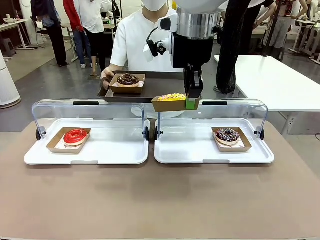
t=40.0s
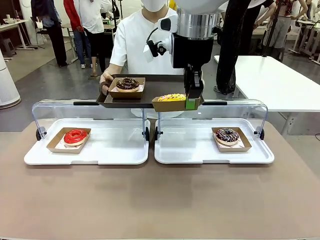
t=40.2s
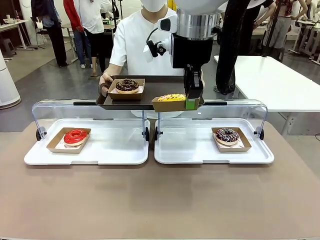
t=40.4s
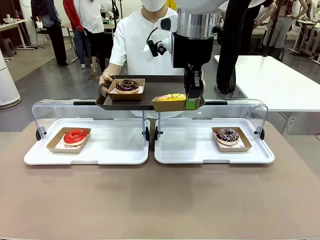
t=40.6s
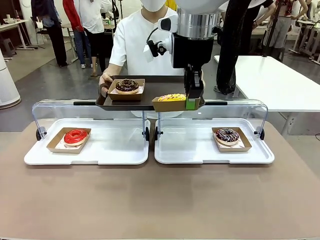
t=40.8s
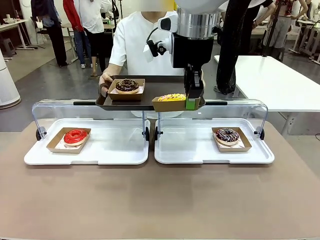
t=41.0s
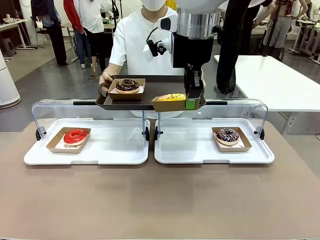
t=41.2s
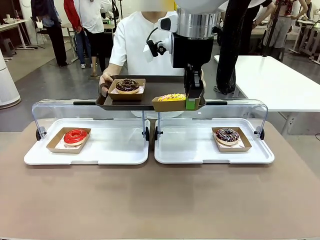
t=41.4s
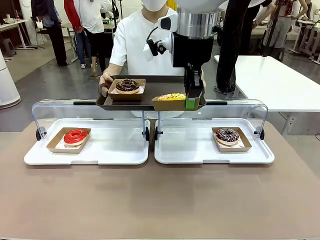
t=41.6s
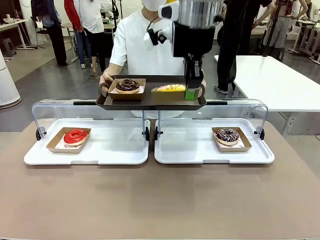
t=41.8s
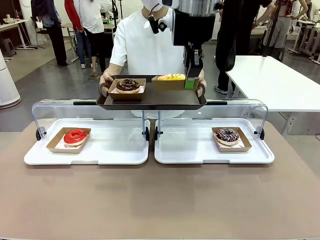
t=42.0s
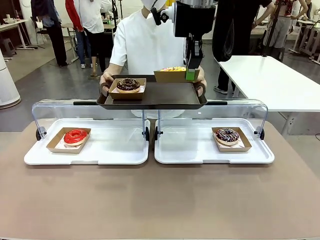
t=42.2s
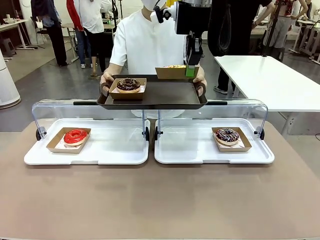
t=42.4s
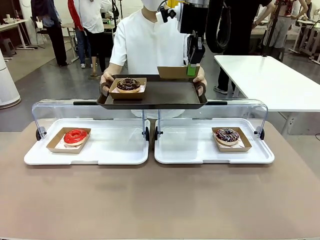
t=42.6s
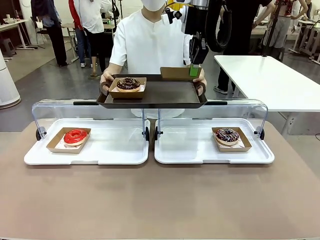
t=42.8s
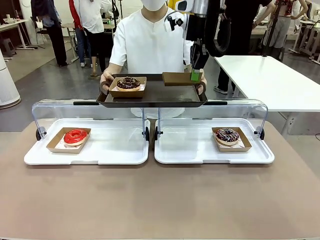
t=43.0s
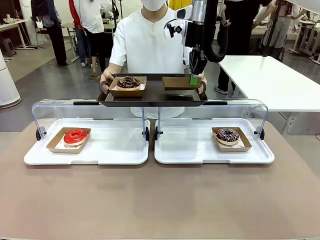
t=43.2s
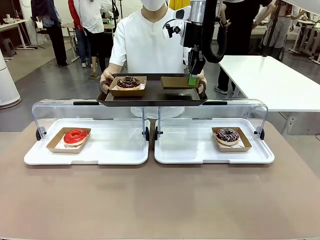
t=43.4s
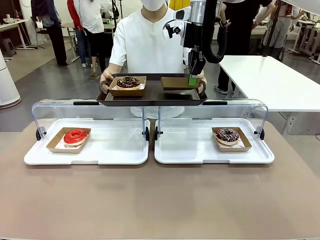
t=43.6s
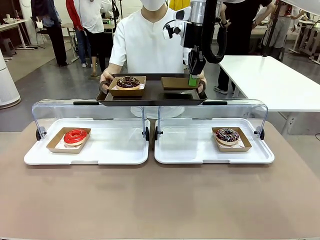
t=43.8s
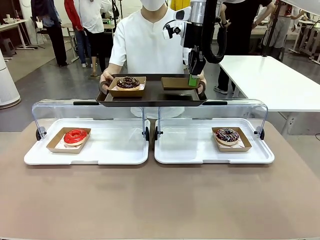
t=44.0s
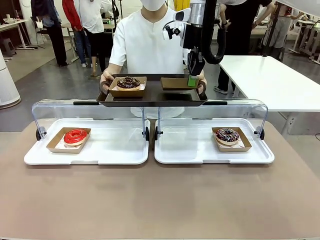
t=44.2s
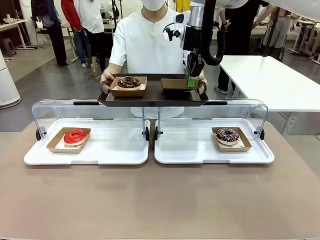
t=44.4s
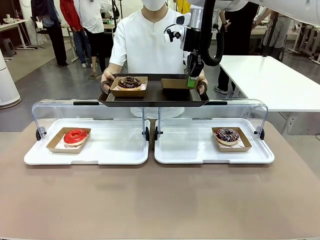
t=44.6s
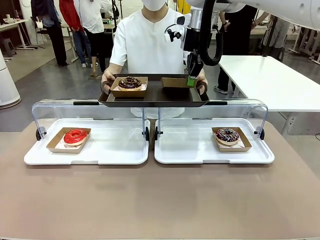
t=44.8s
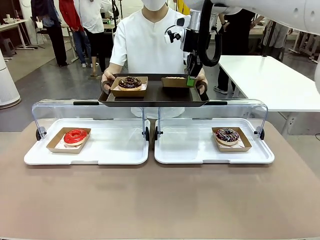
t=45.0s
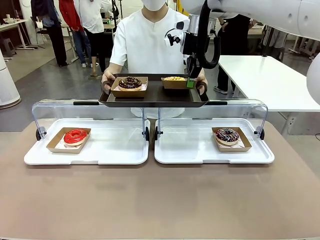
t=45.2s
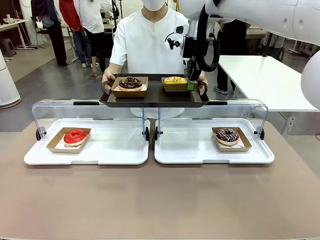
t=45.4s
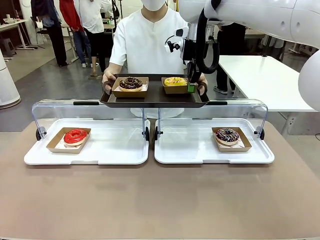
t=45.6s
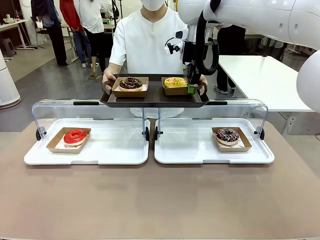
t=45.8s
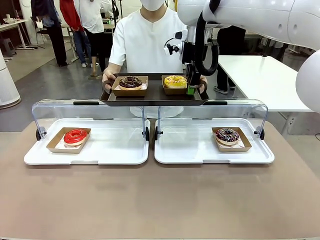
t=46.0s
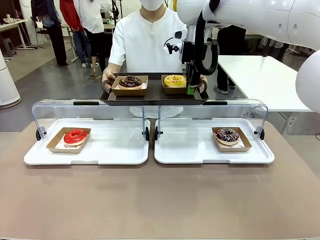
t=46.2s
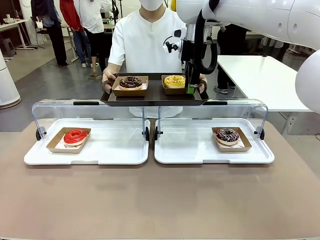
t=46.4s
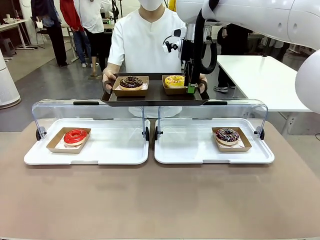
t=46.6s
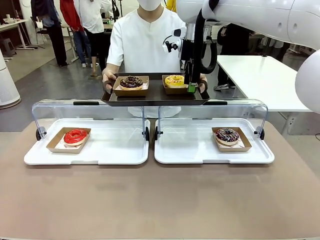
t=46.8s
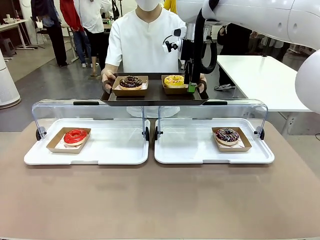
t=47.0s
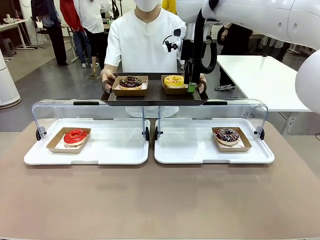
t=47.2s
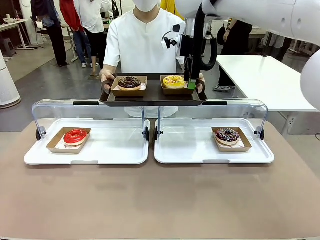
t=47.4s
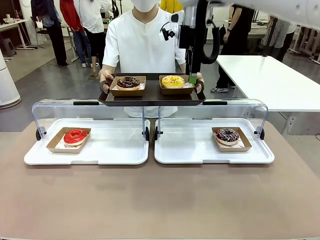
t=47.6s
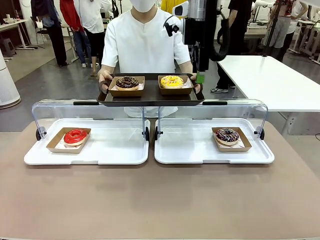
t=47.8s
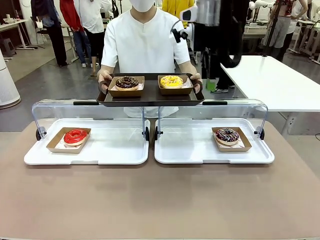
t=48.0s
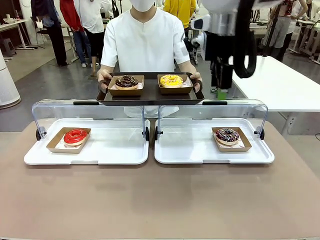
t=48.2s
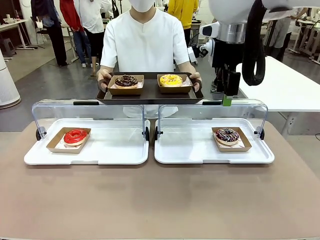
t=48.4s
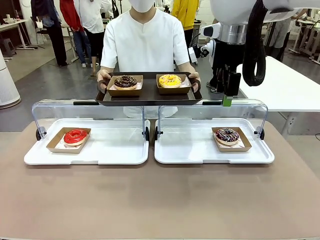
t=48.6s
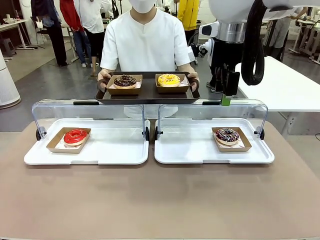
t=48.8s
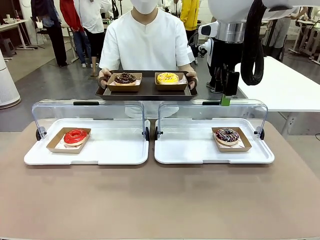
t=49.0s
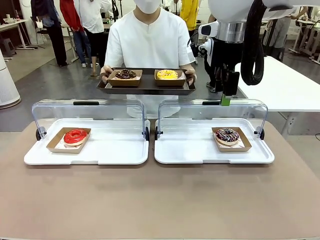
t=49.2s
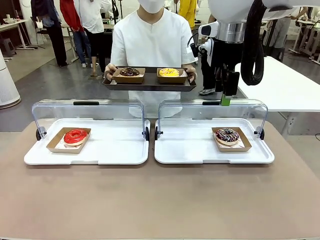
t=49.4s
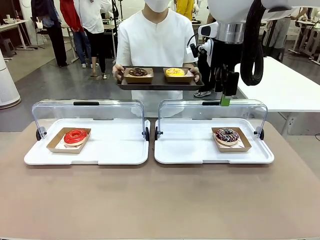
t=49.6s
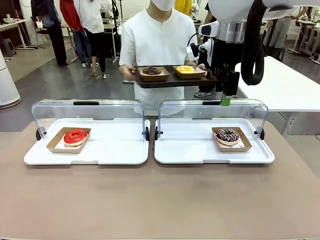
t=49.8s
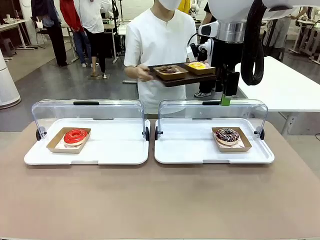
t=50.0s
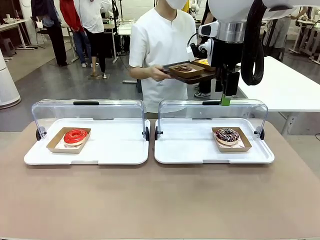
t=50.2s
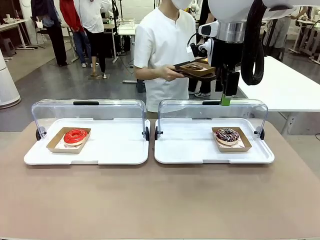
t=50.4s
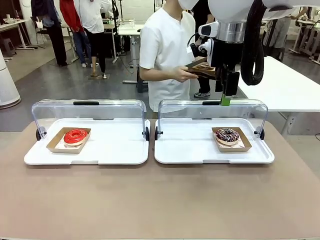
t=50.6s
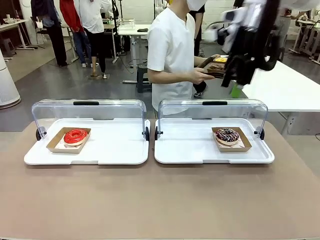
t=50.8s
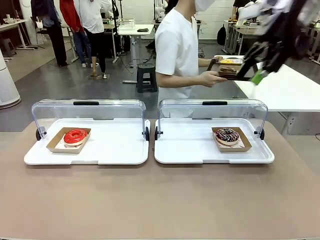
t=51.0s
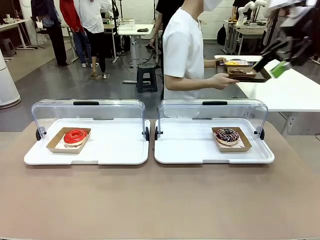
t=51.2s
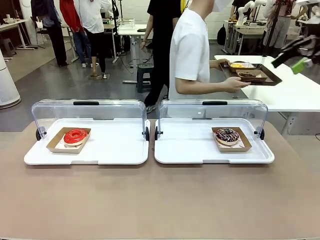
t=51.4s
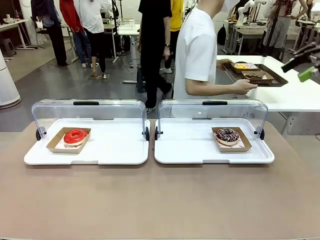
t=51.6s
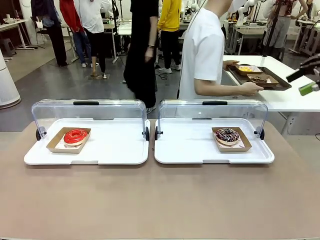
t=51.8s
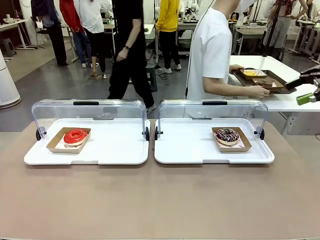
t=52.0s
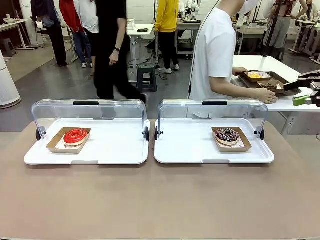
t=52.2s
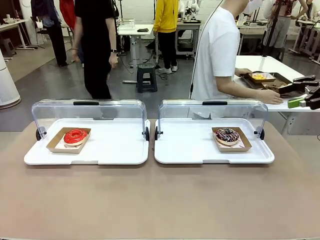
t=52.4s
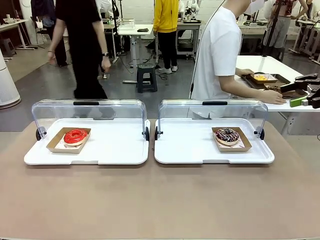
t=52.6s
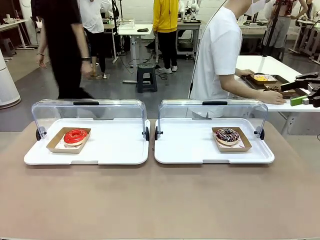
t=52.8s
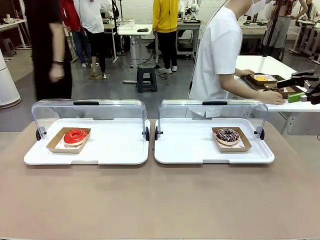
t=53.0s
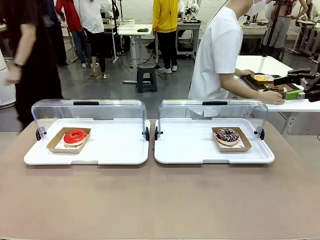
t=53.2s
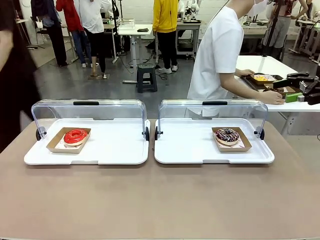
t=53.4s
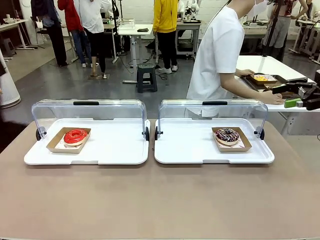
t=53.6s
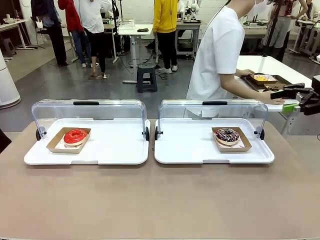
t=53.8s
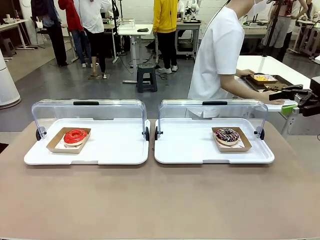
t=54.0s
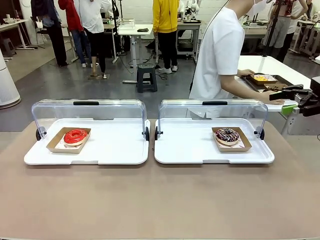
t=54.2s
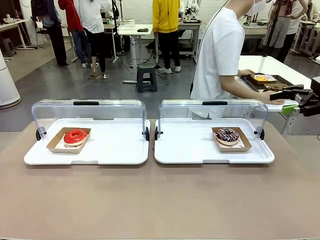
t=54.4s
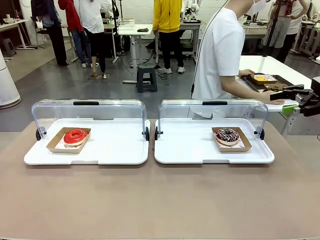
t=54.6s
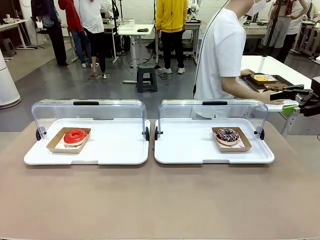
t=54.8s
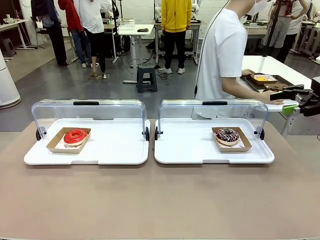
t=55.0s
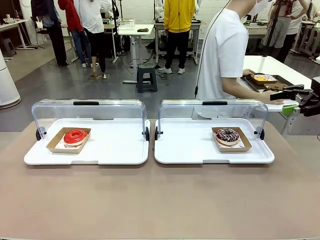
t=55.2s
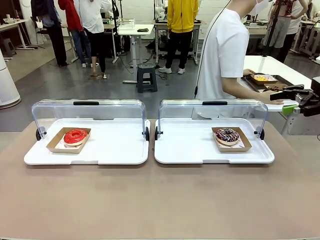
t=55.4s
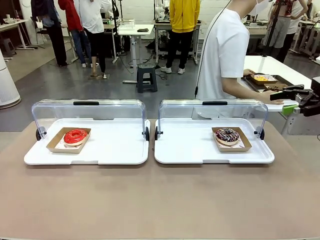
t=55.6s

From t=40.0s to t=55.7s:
Task: Provide the desired donut to the person.
Robot: Place the picked Paper togo box onto the Handle tray extended by the person.
Person: Place the tray in the middle of the human table.

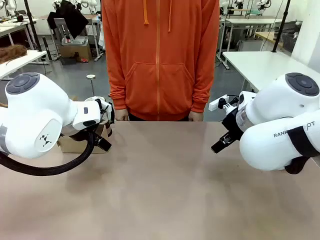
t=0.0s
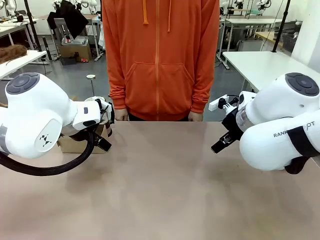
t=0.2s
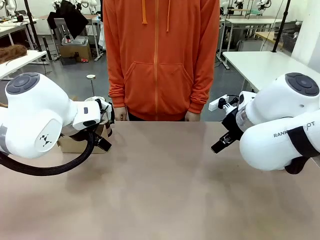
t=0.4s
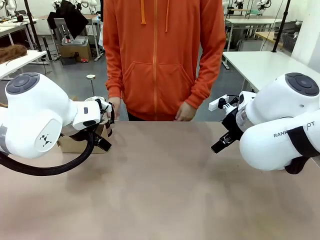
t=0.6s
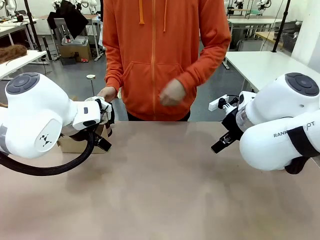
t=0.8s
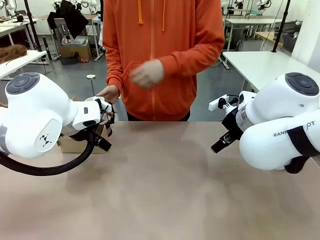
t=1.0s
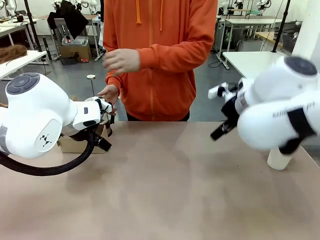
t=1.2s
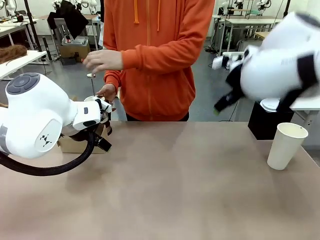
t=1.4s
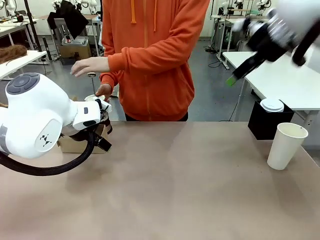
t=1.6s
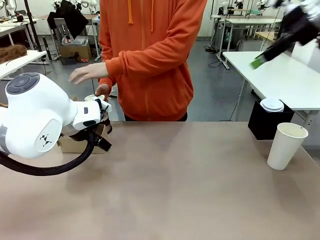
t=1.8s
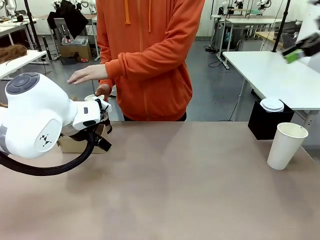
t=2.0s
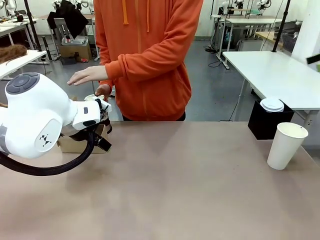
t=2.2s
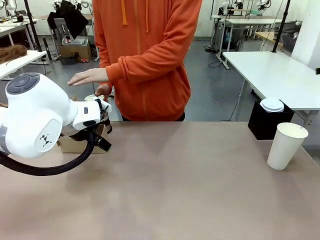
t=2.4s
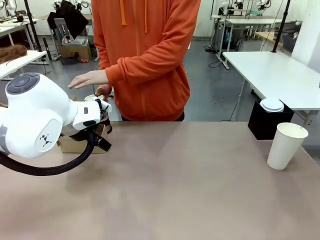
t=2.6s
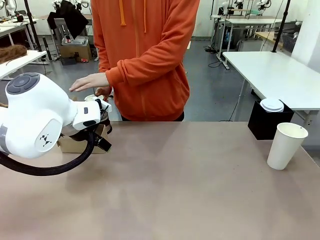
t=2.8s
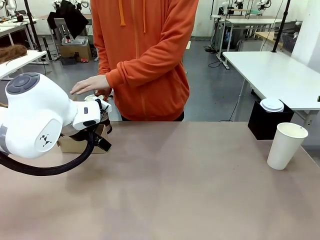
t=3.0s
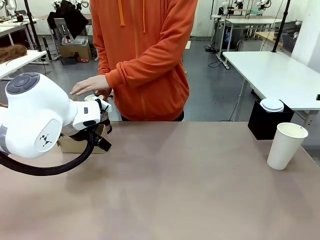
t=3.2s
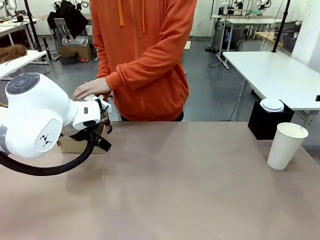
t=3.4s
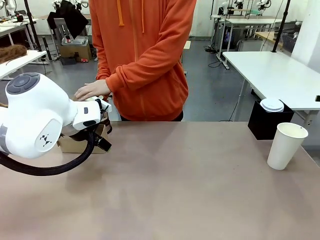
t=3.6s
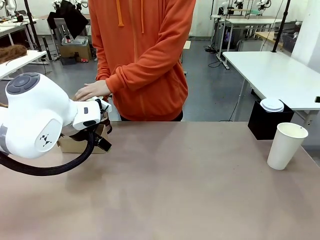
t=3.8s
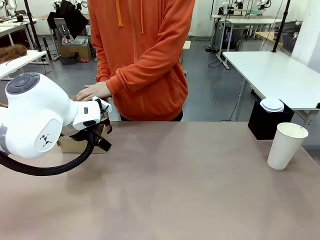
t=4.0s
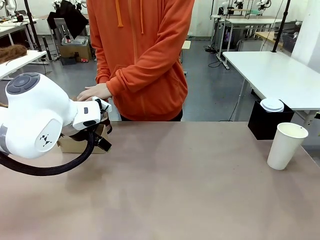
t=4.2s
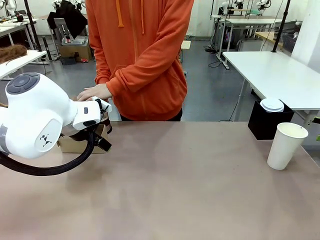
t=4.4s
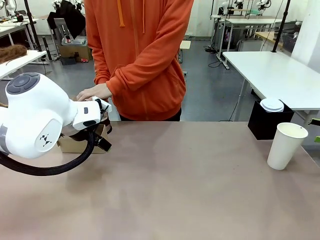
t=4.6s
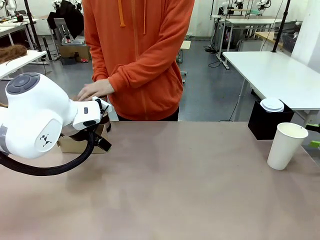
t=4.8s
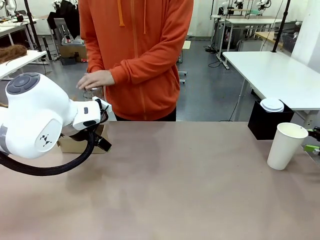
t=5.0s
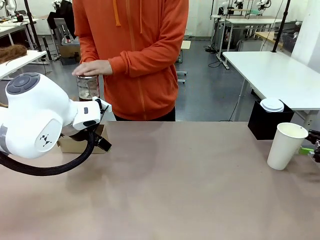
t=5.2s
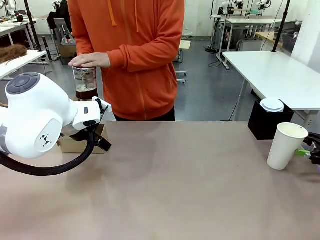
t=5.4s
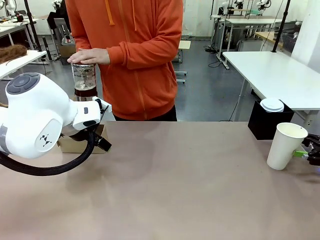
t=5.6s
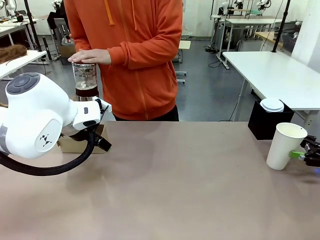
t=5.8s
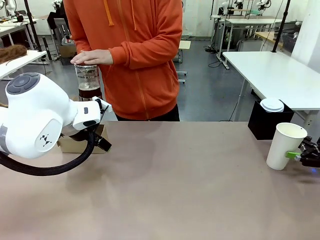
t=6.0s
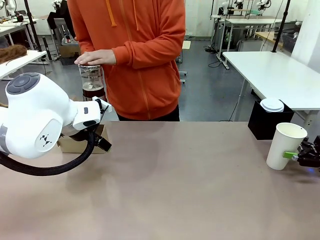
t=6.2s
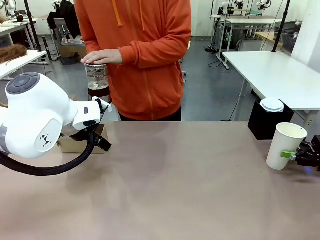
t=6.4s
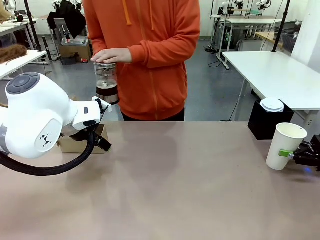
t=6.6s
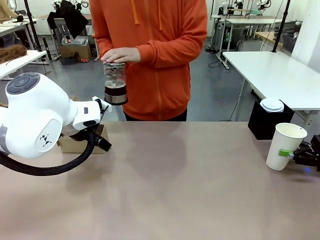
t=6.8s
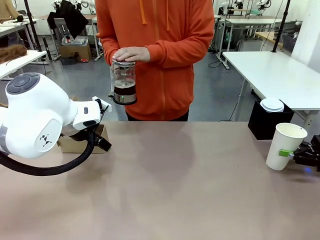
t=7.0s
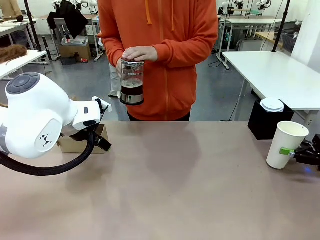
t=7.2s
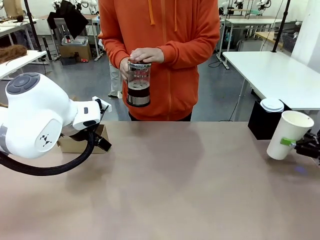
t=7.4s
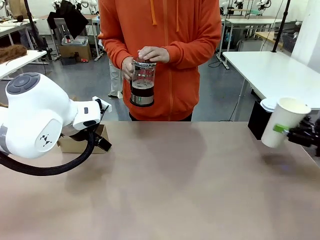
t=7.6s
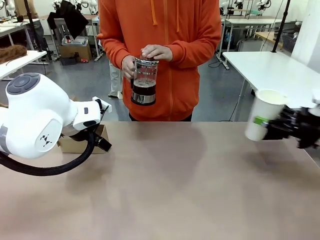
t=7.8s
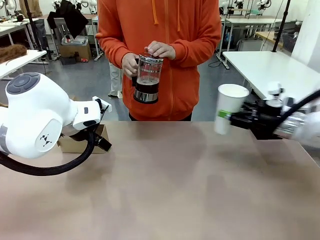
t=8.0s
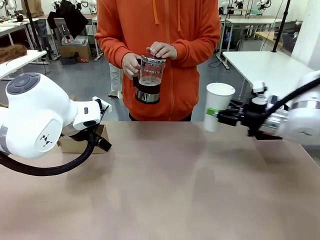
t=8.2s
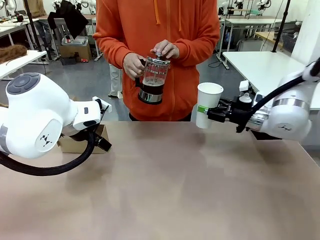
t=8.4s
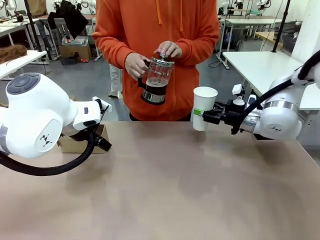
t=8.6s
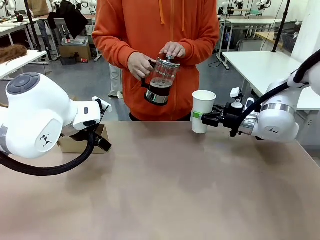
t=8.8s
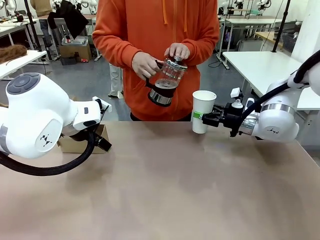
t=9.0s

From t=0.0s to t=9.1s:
Task: Pour a drink into a cup and package it in a carrier.
Robot: Pick up the 600 ml Paper Cup and place it in the middle top area of the table.
Person: Press and pick up the Filter Brewing.
